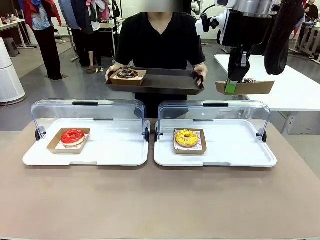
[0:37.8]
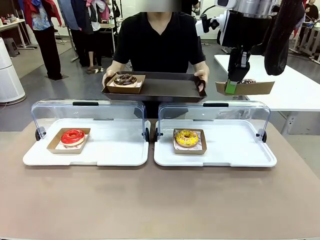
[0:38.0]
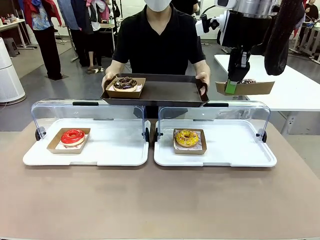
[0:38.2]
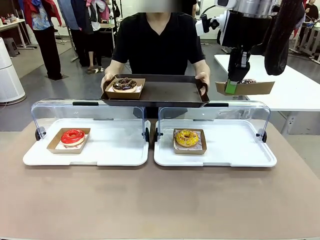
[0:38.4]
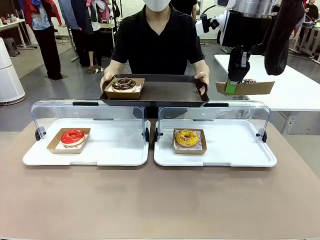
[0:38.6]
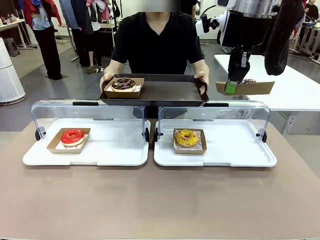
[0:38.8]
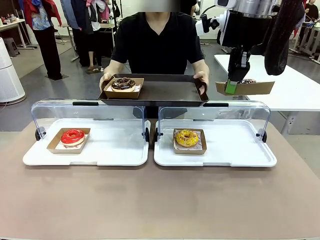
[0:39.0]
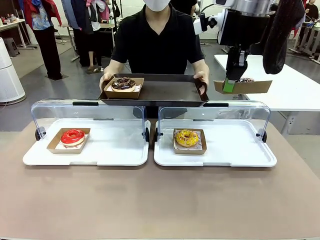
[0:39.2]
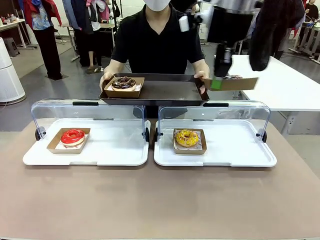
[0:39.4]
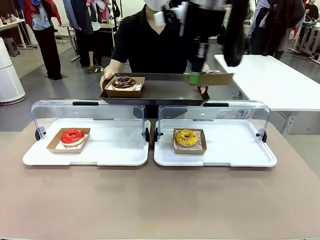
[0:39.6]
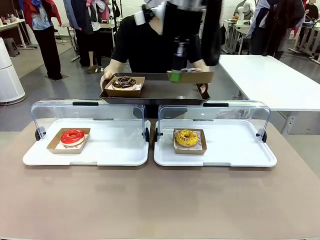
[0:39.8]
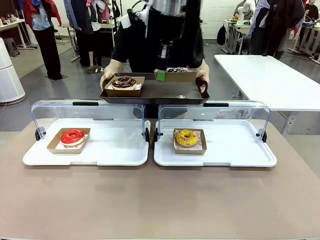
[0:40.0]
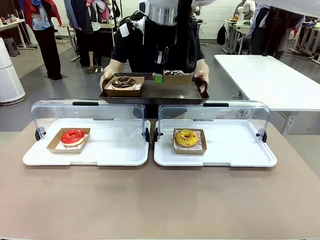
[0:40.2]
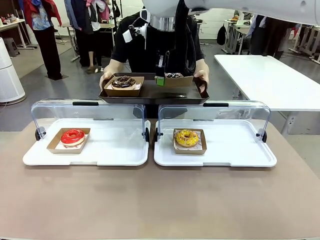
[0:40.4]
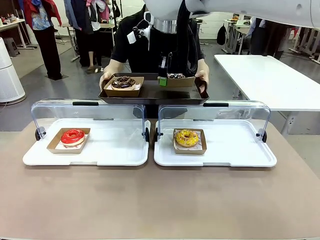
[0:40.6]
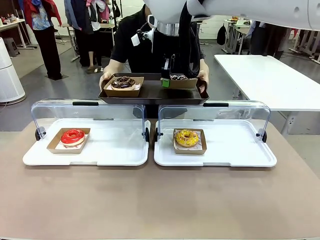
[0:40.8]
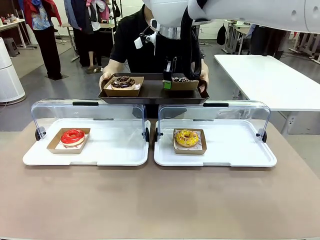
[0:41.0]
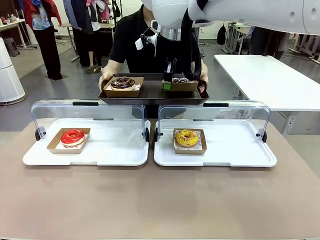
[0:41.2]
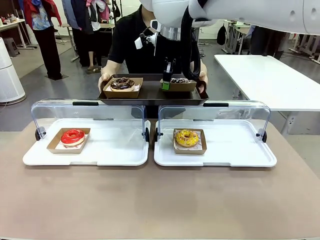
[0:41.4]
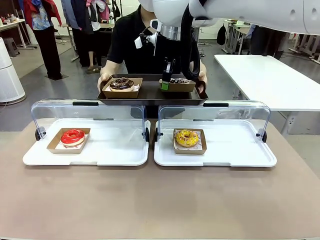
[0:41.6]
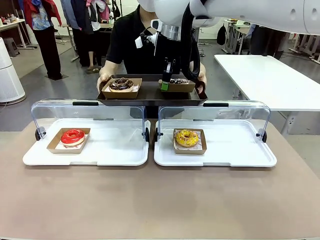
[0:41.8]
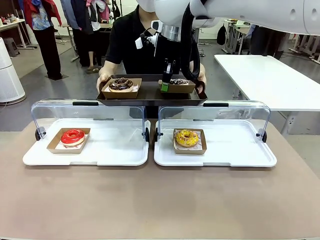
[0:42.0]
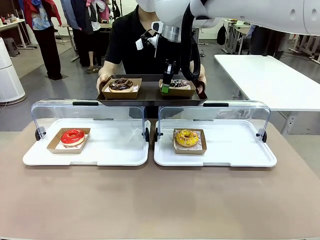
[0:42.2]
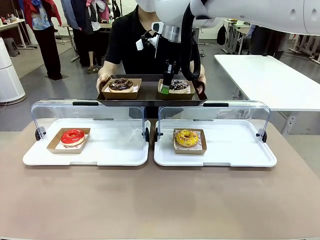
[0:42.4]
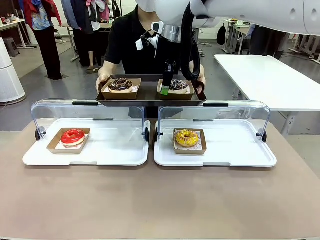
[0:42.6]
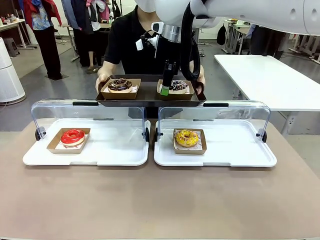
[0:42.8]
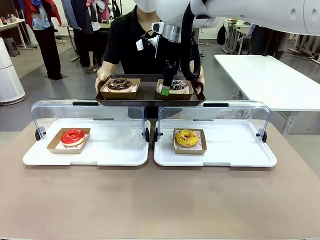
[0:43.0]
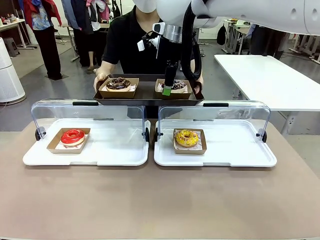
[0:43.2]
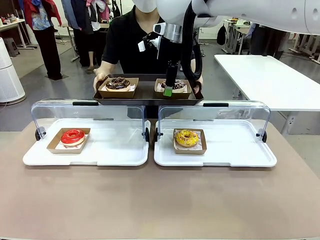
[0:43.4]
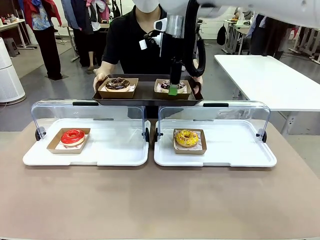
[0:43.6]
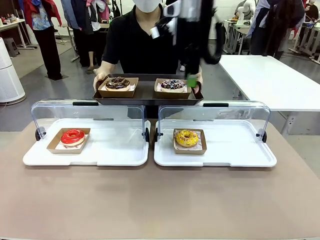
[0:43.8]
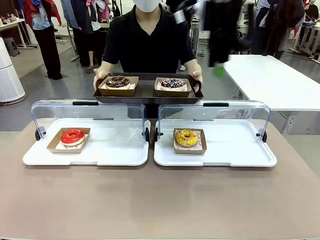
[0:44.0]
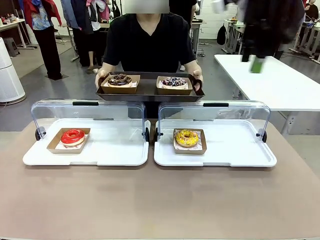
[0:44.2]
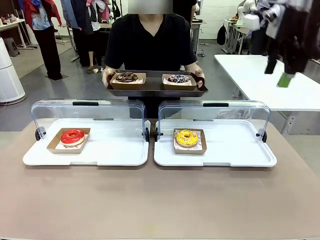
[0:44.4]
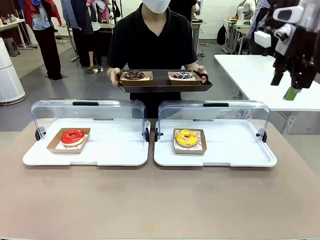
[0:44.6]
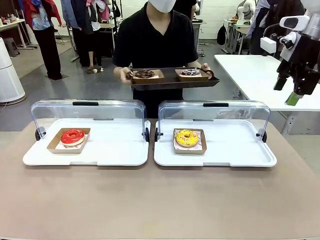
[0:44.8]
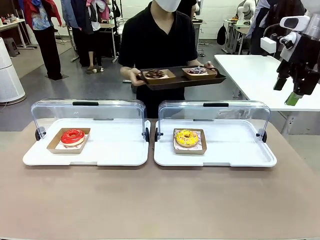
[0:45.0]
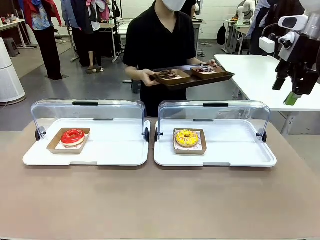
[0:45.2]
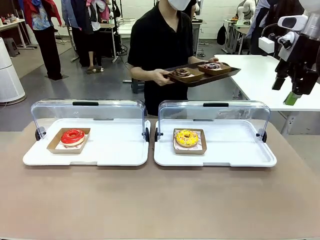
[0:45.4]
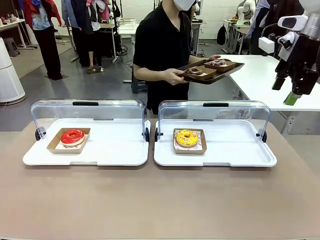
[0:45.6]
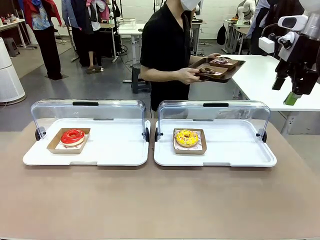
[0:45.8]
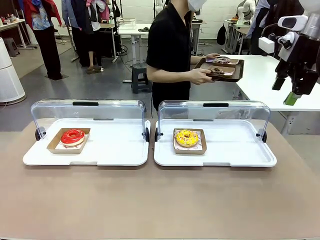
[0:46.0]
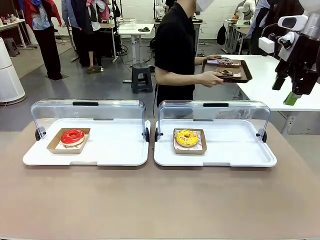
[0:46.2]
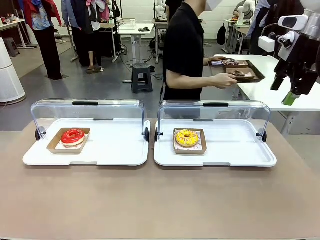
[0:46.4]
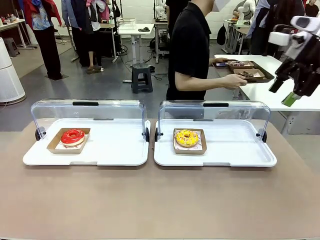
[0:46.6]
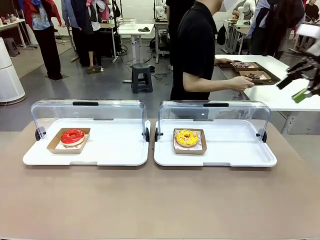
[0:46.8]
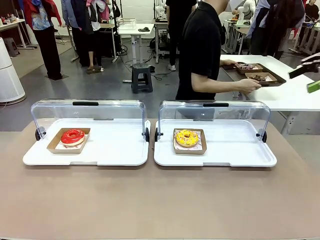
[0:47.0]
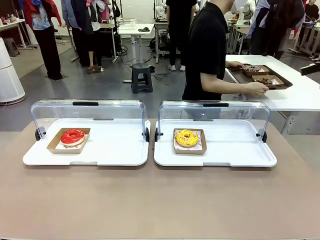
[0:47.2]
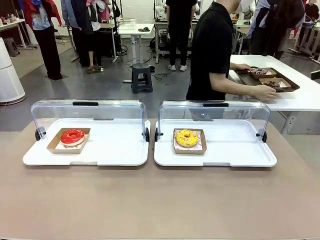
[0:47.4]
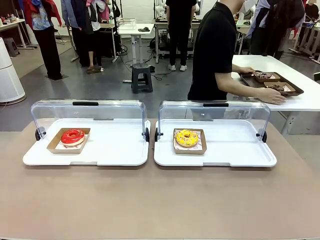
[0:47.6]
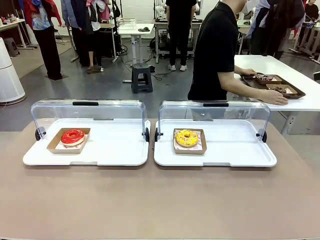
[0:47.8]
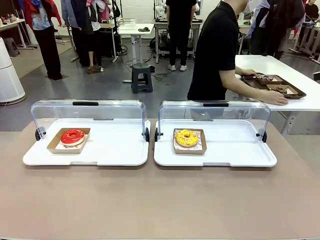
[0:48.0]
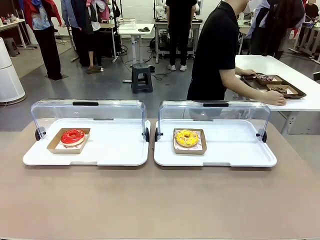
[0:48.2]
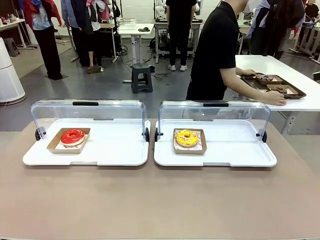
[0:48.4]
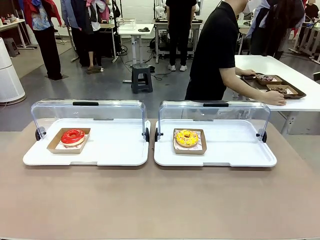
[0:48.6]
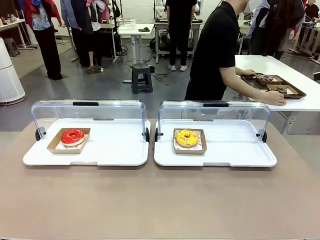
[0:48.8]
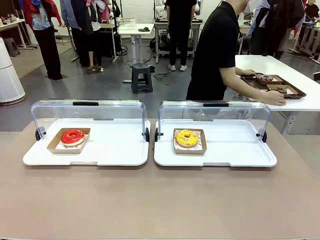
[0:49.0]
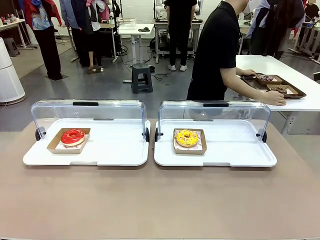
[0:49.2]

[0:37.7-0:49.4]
Task: Provide the desired donut to the person.
Robot: Place the picked Paper togo box onto the Handle tray extended by the person.
Person: Place the tray in the middle of the human table.

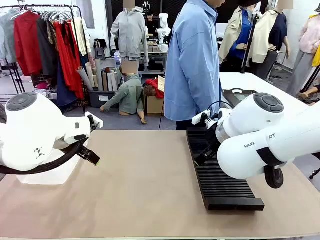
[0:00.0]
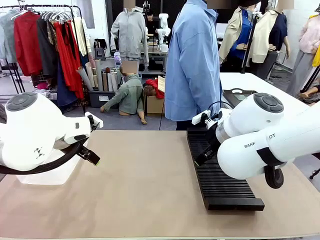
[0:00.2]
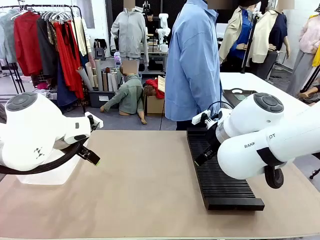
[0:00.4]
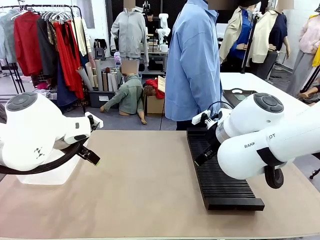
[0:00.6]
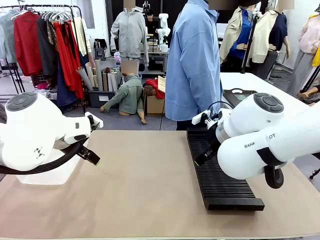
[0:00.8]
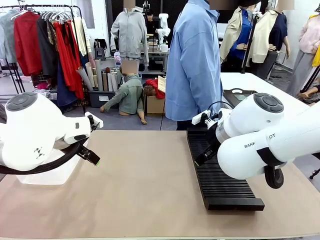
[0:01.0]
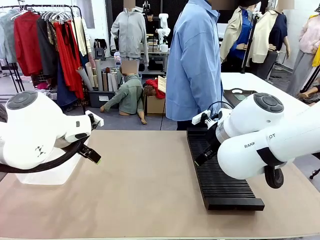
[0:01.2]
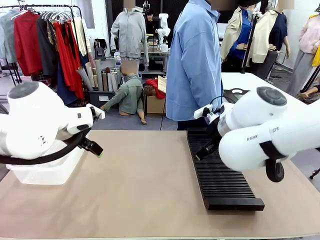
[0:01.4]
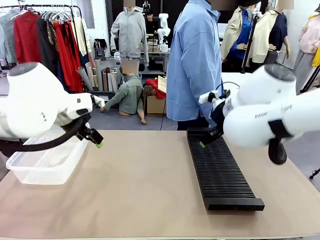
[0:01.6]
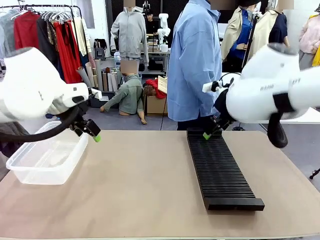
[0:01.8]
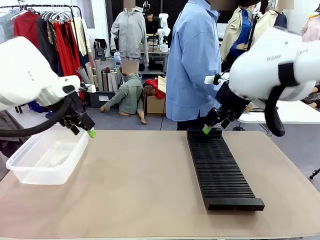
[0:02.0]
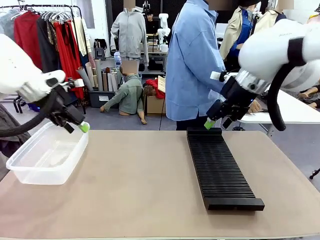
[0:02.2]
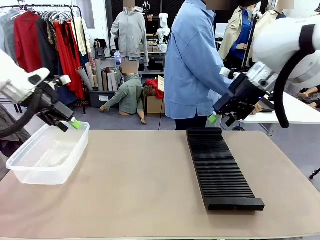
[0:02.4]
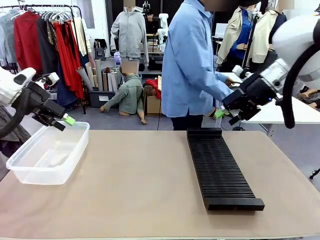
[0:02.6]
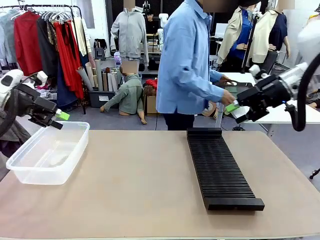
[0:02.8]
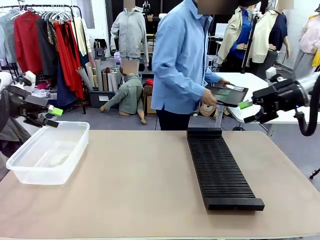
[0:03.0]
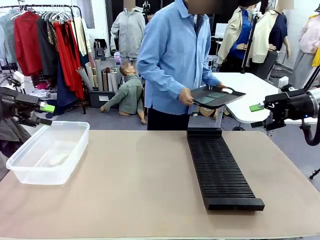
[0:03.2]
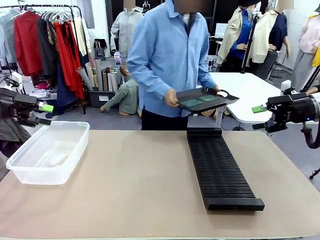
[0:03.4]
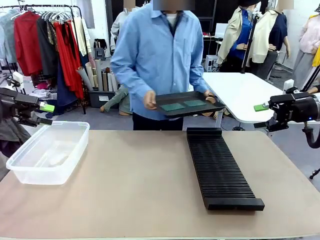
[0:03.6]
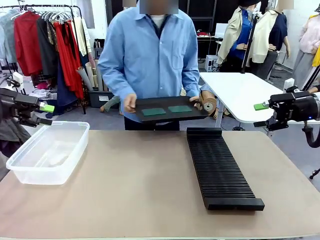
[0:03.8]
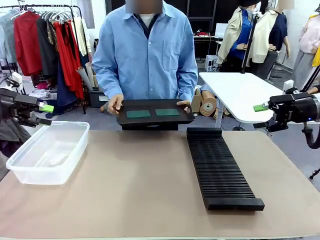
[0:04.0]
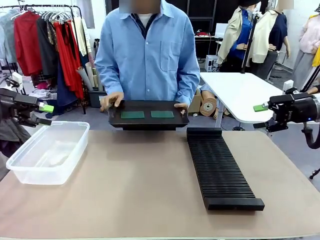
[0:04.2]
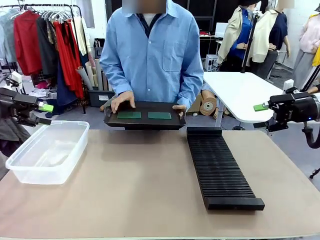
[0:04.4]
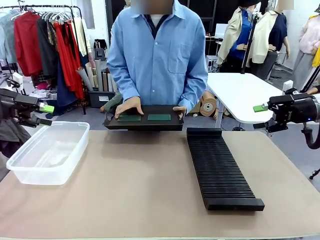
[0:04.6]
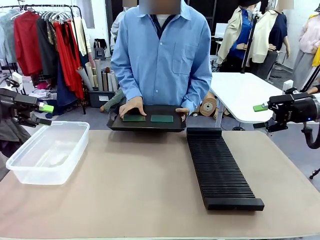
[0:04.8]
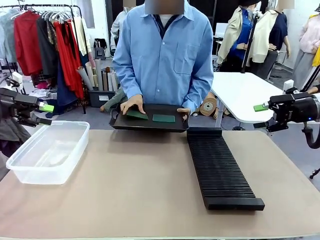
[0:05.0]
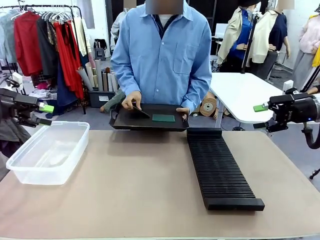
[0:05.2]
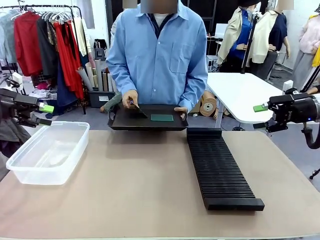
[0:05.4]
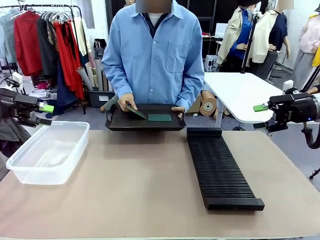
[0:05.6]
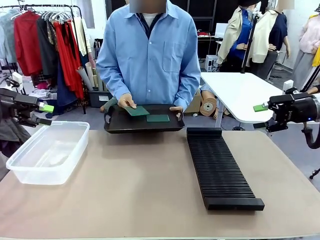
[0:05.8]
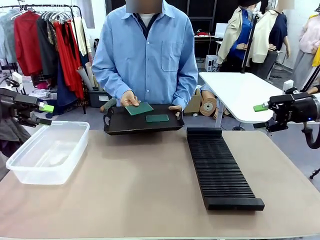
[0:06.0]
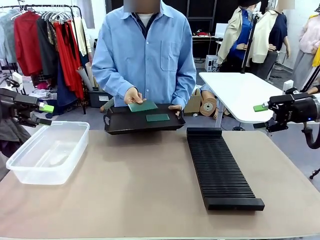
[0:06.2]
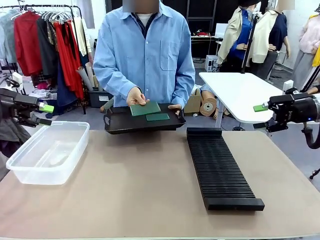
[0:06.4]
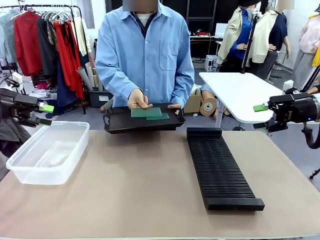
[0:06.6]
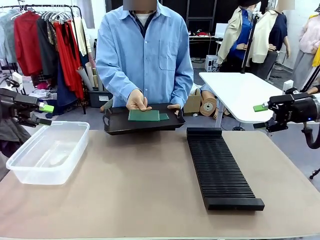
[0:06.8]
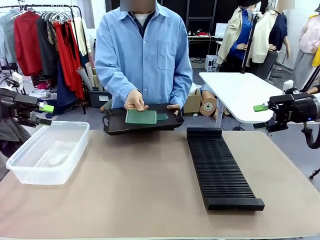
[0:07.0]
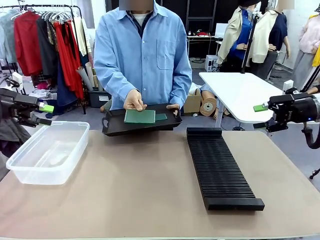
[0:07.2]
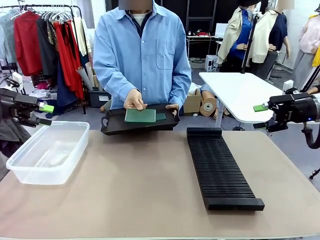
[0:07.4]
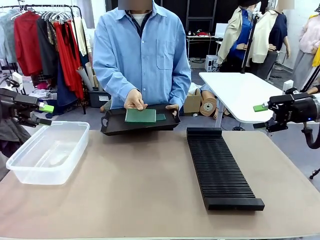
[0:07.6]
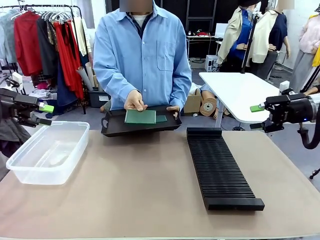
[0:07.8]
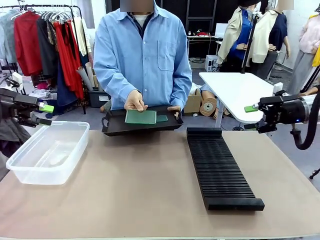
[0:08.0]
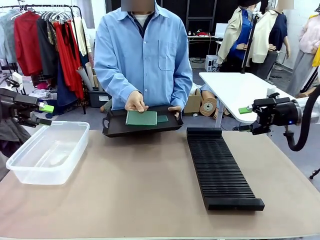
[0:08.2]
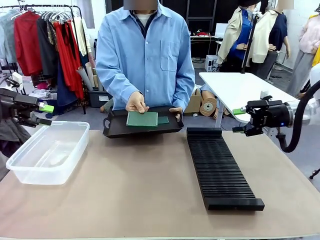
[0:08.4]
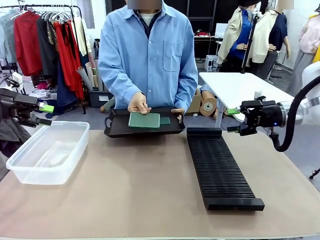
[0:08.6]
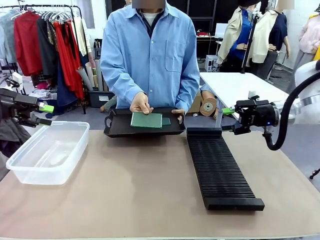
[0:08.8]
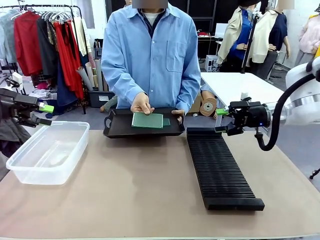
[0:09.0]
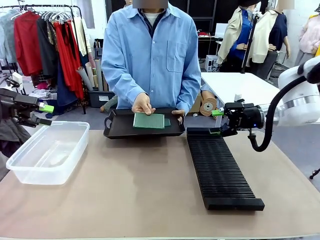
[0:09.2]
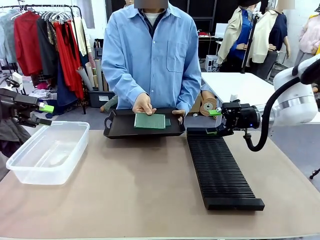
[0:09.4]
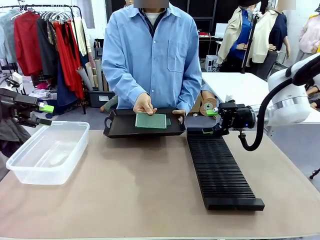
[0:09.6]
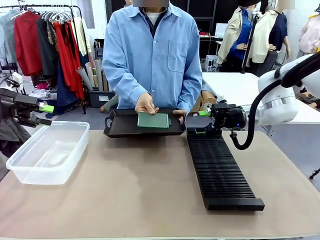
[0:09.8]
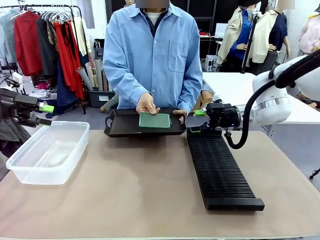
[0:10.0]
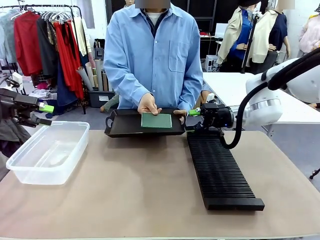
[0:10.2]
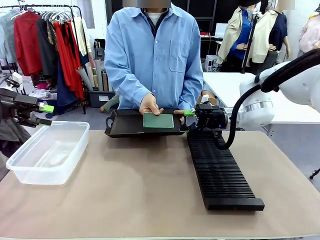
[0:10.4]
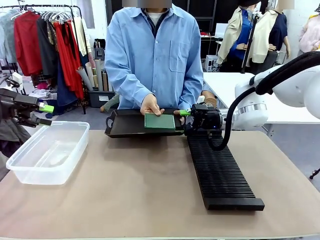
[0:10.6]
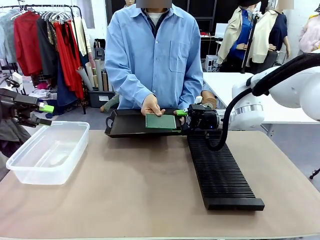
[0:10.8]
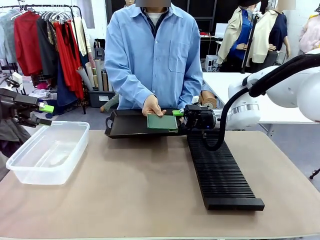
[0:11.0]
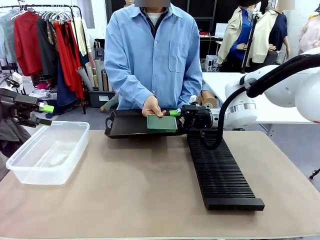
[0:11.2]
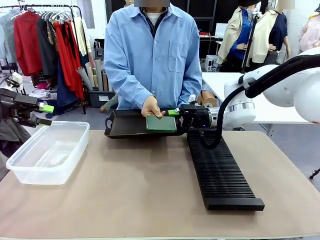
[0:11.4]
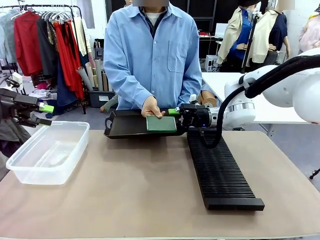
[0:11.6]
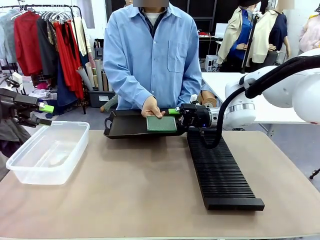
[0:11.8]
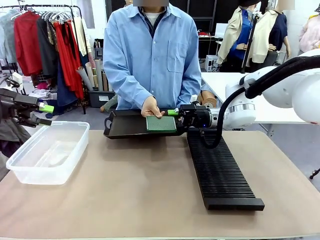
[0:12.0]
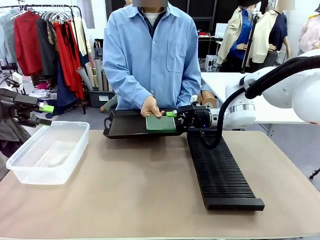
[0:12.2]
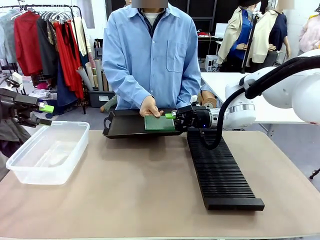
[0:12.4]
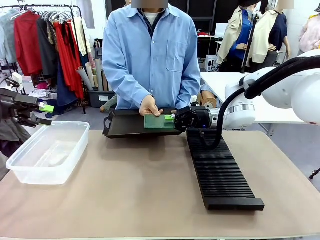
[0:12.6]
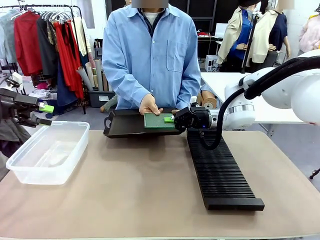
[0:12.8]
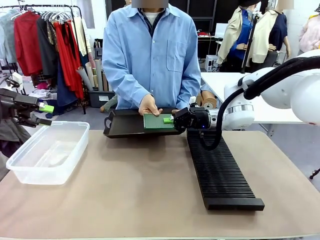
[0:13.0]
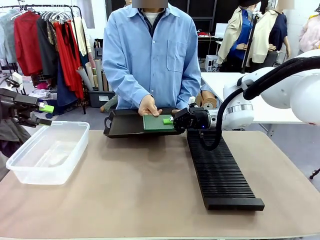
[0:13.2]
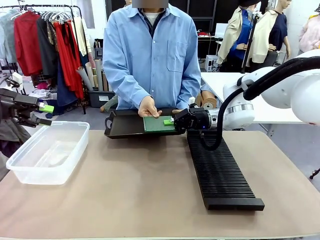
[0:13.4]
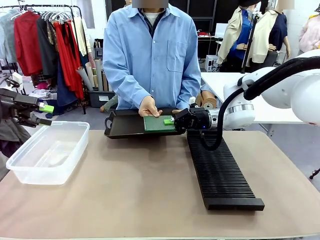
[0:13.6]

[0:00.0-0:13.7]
Task: Sort PCBs into racks and boxes based on the side picked up.
Robot: Pick up the Blank PCB handed by the Human.
Person: Pick one PCB from the tray and present it to the robot. Release the PCB being held.
